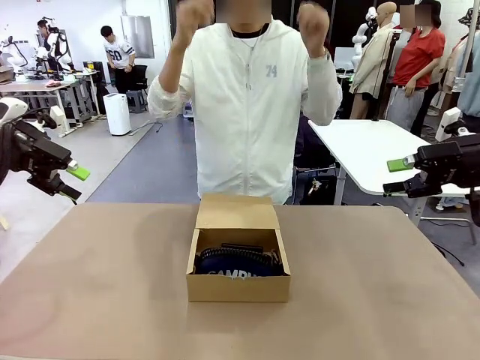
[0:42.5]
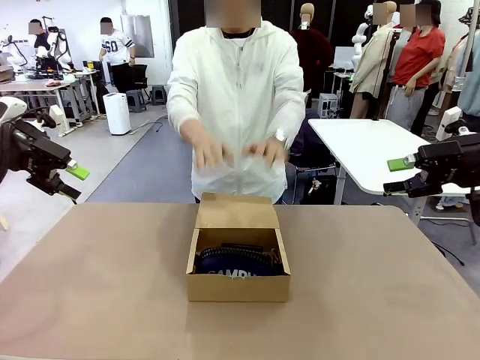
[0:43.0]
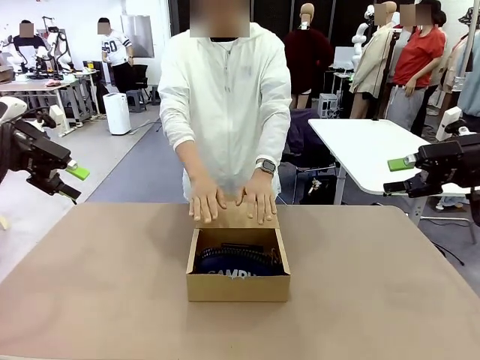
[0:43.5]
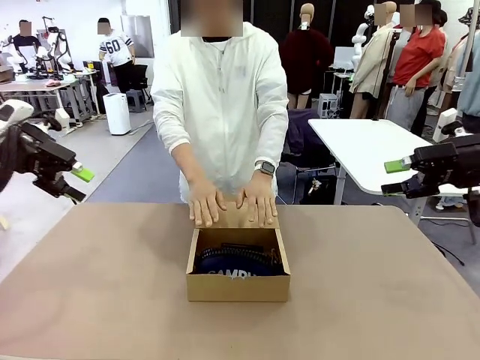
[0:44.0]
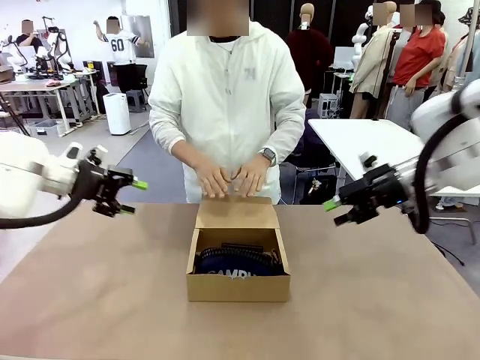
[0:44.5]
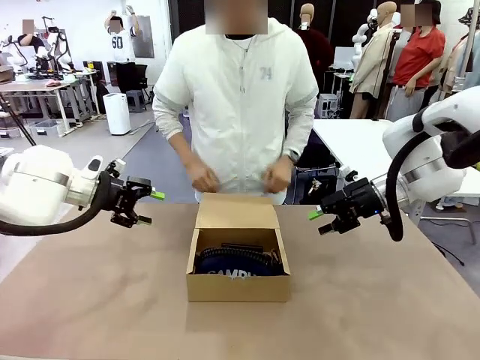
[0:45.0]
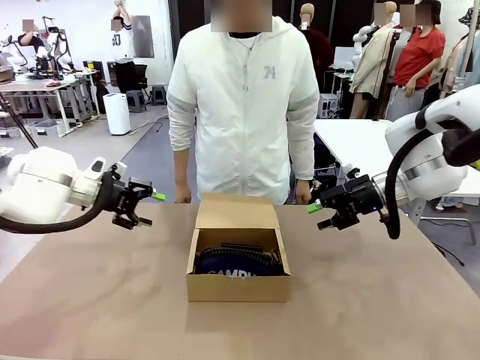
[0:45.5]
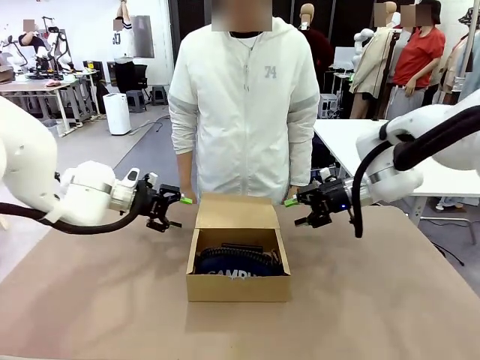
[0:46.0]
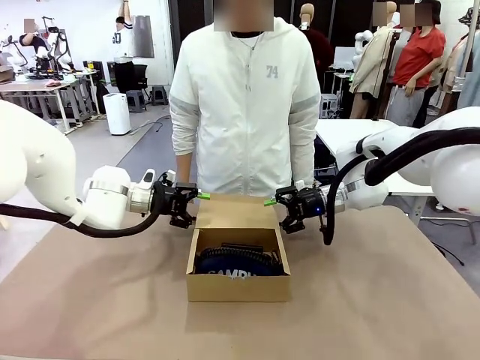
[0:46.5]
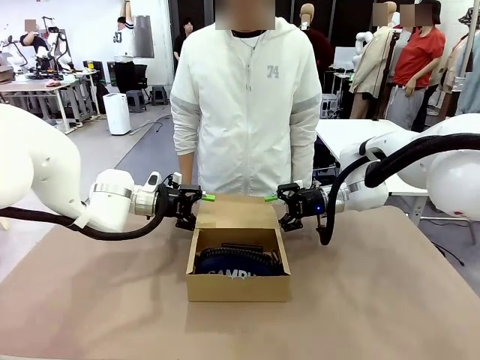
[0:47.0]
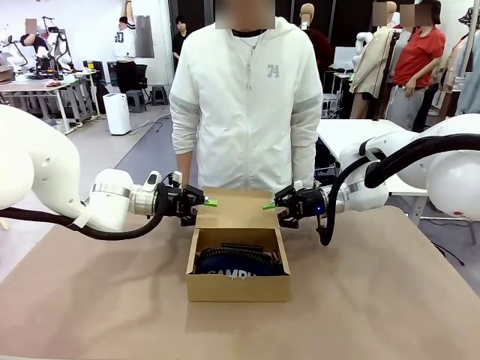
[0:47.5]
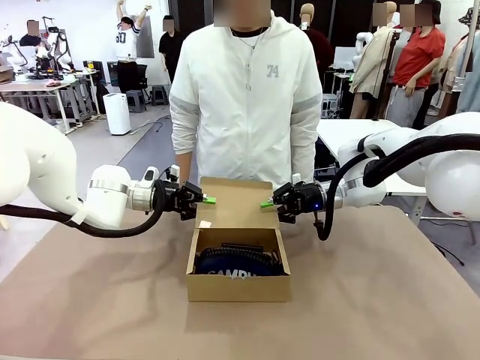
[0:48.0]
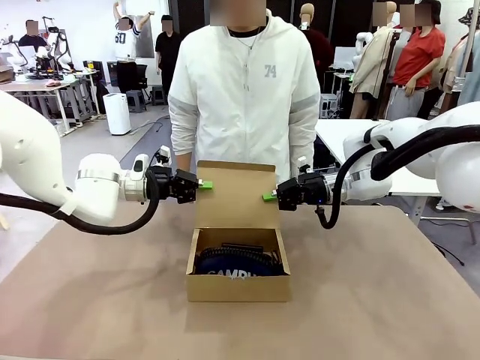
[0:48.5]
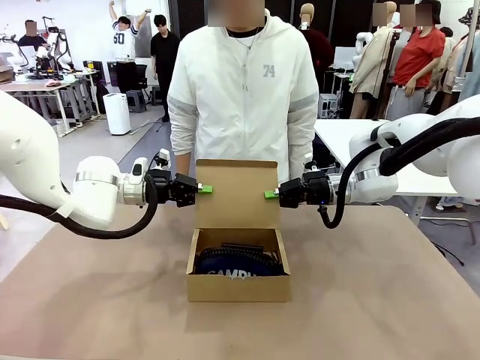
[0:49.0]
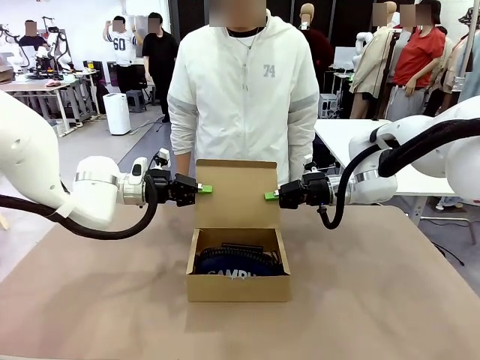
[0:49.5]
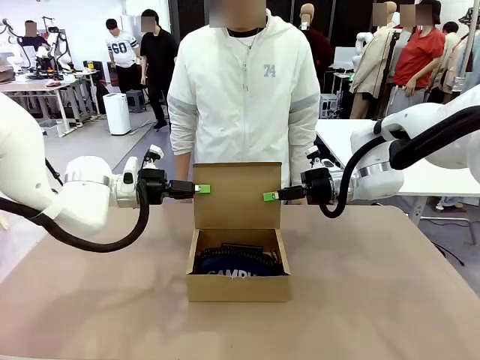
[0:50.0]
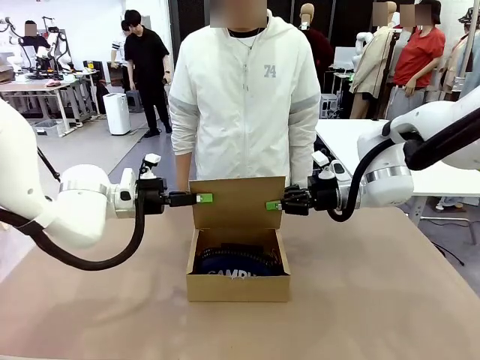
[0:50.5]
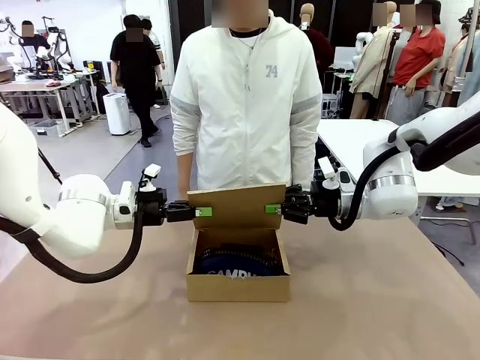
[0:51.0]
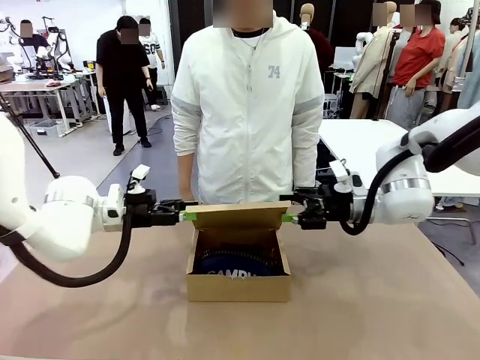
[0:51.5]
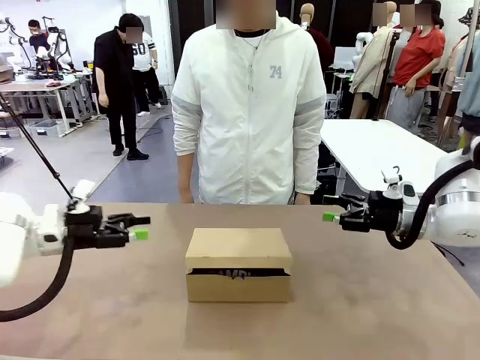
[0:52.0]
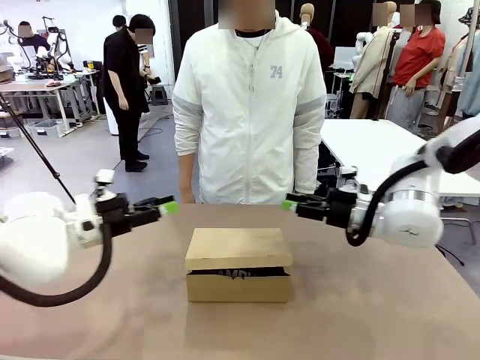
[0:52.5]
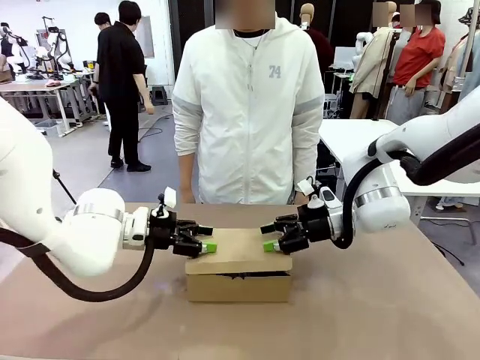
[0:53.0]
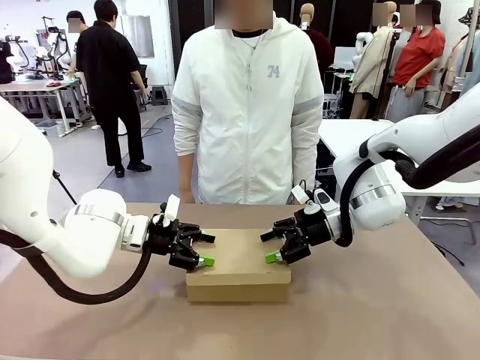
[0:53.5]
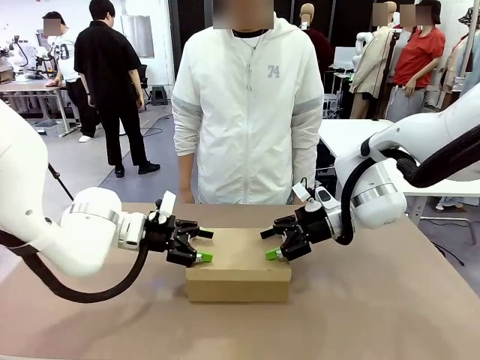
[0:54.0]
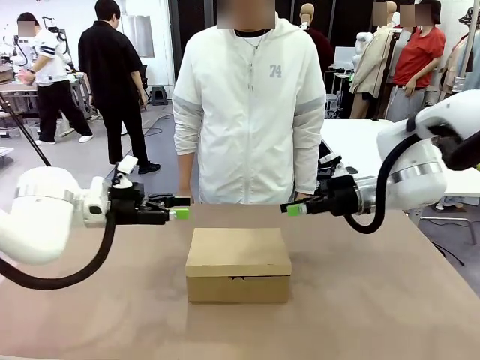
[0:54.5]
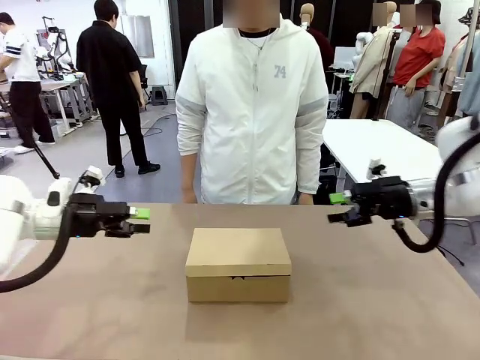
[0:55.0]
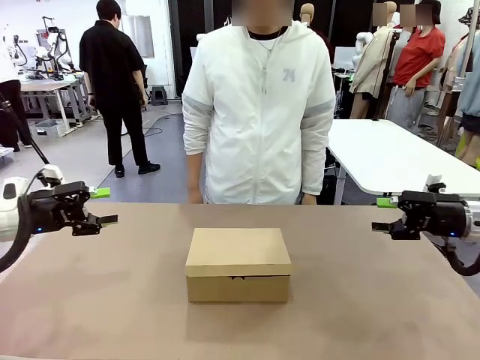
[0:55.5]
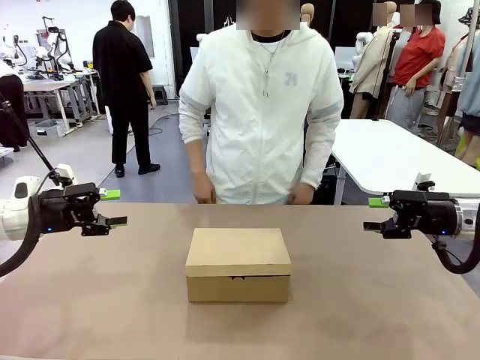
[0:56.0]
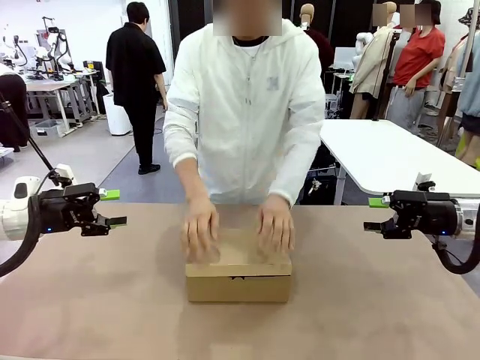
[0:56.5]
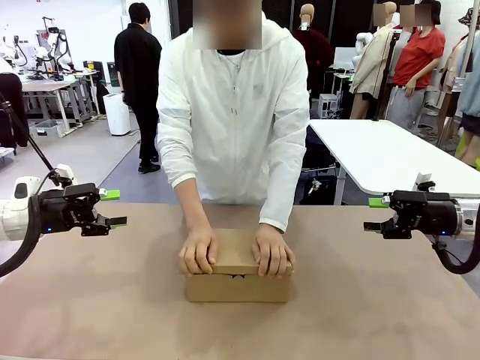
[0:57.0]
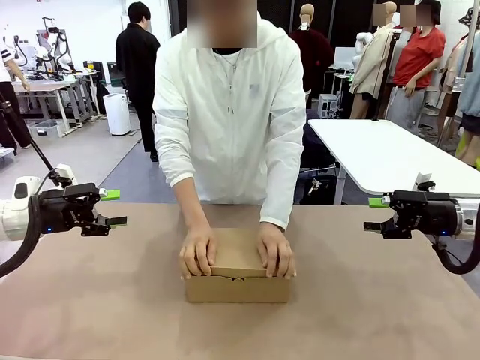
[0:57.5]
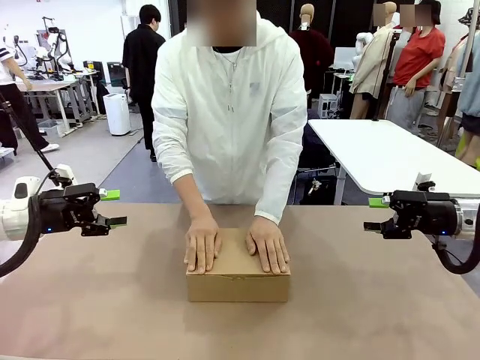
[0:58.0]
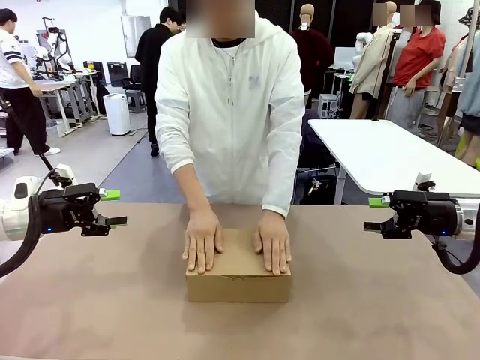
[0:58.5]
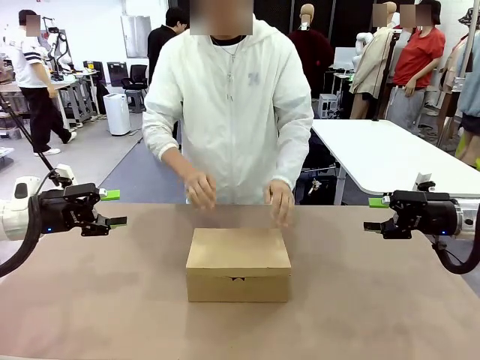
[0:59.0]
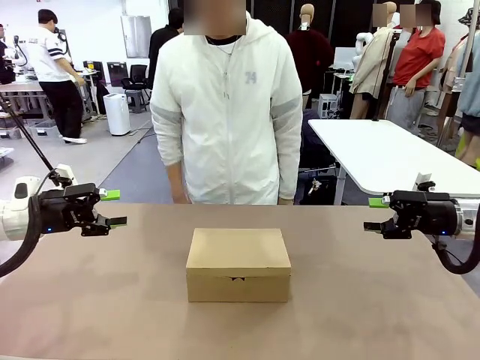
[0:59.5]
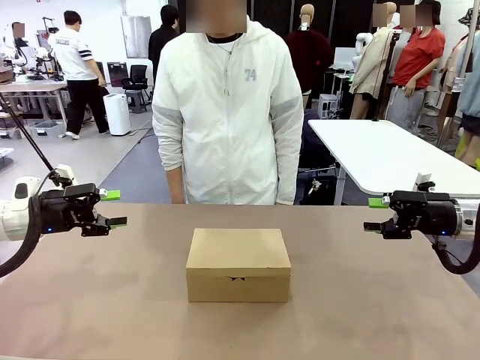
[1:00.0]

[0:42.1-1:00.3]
Task: Pack the items into the box.
Robot: Close the Mailer Box.
Person: Turn the box and lock it.

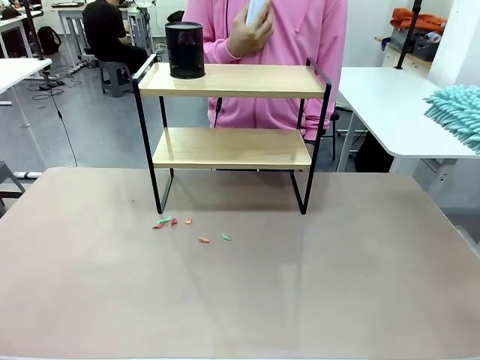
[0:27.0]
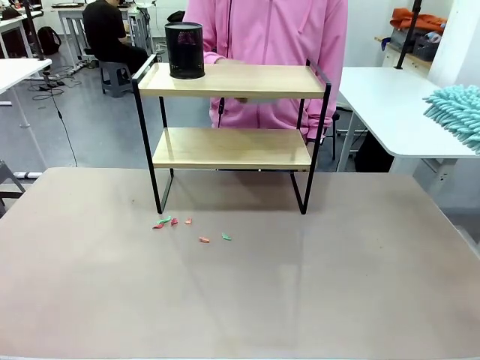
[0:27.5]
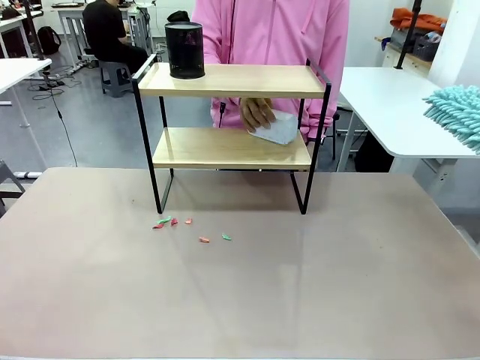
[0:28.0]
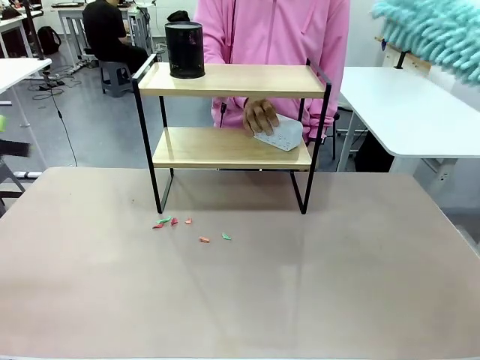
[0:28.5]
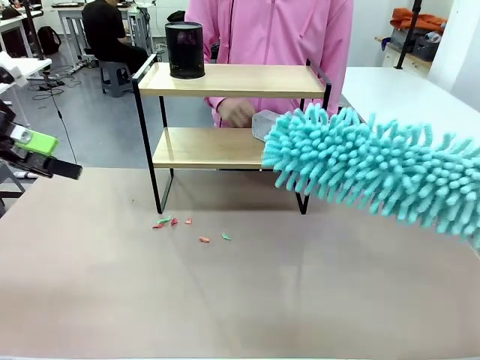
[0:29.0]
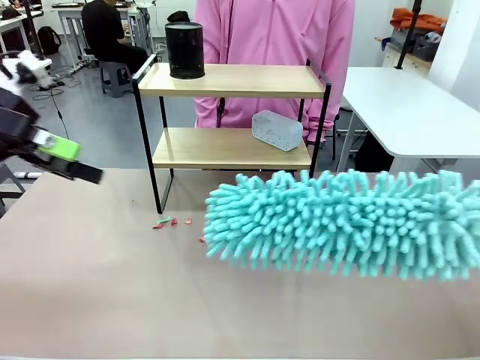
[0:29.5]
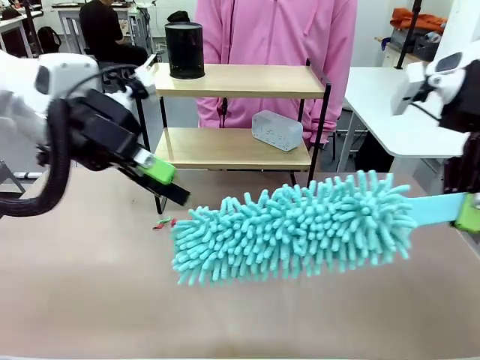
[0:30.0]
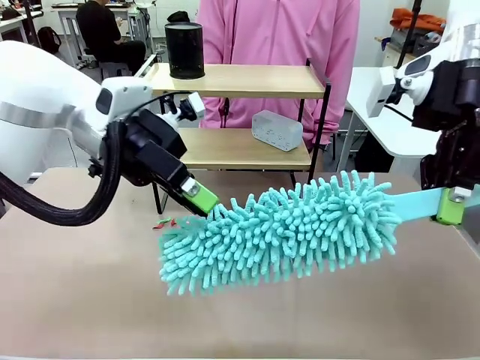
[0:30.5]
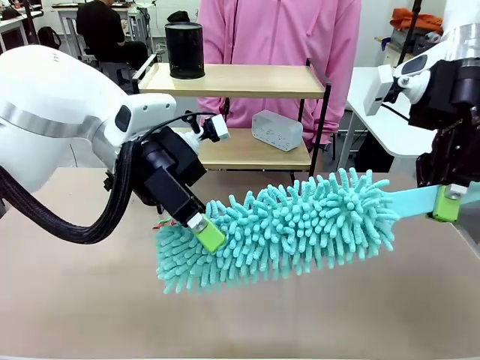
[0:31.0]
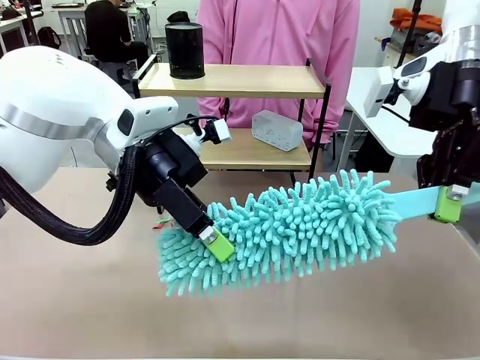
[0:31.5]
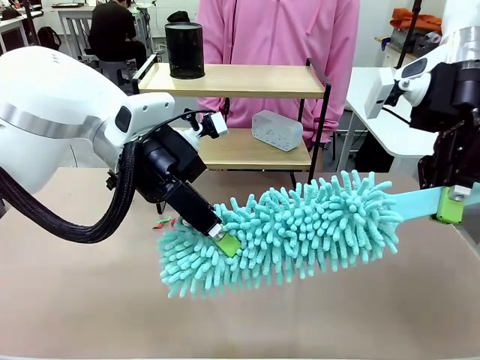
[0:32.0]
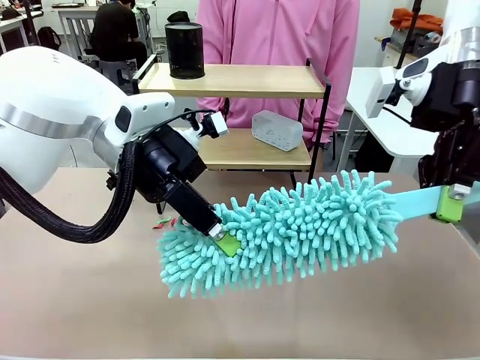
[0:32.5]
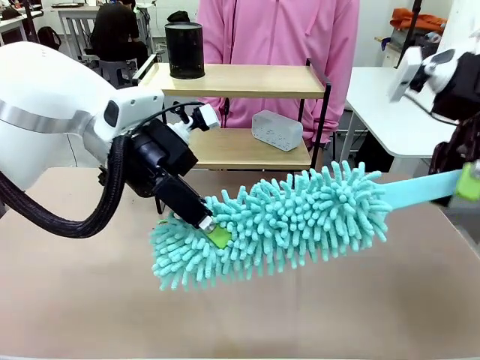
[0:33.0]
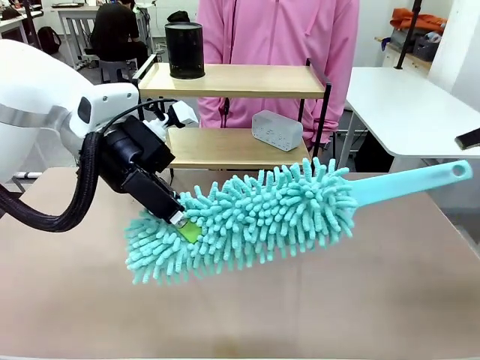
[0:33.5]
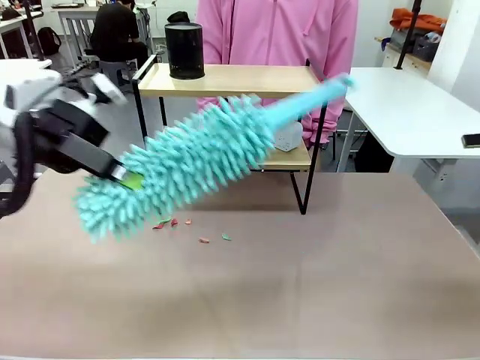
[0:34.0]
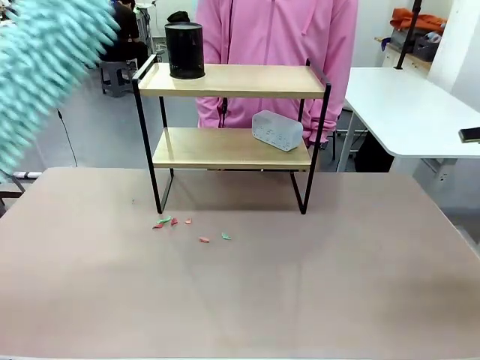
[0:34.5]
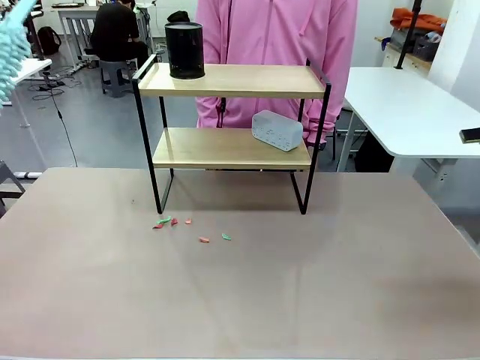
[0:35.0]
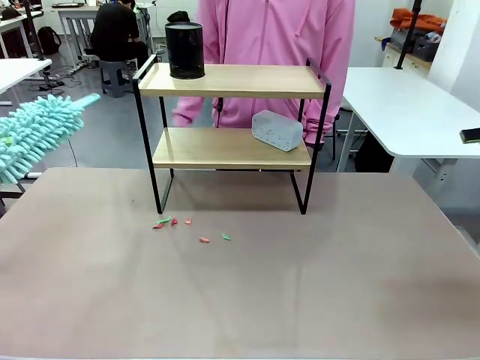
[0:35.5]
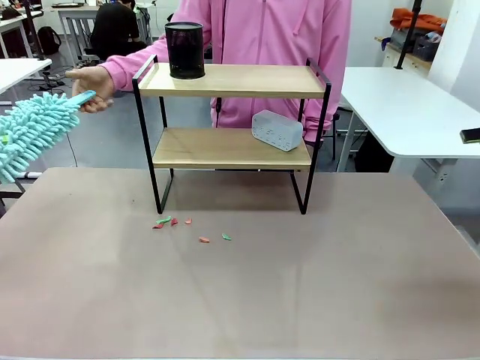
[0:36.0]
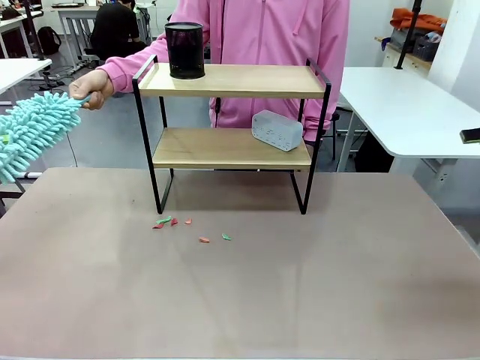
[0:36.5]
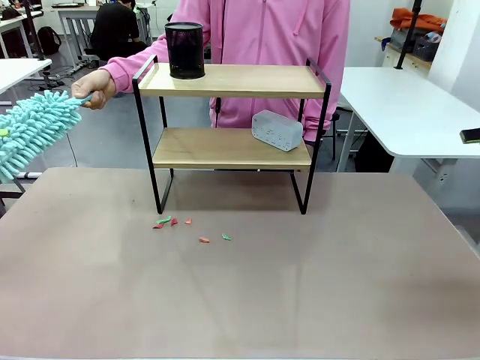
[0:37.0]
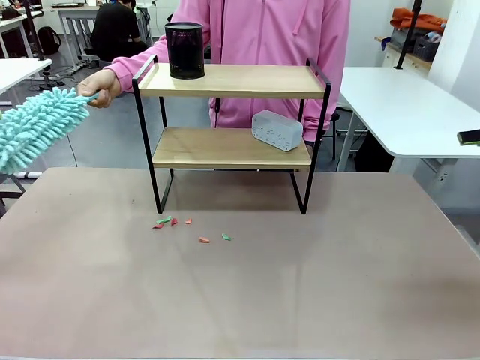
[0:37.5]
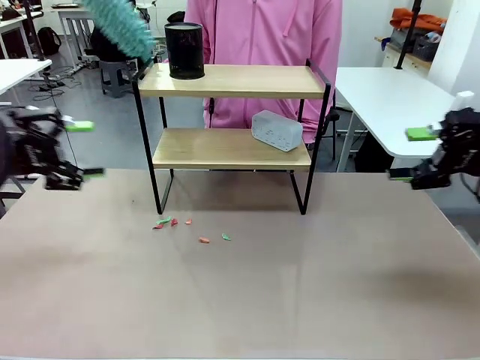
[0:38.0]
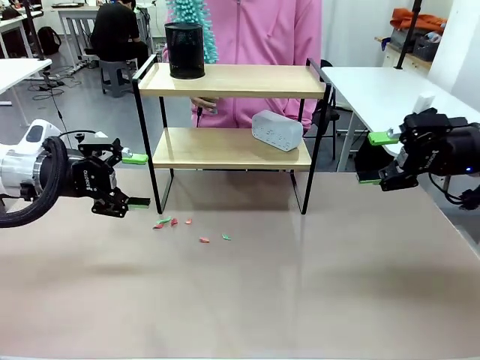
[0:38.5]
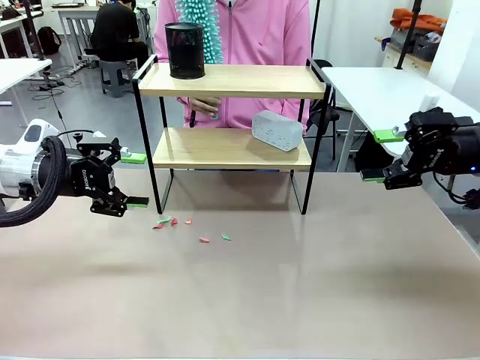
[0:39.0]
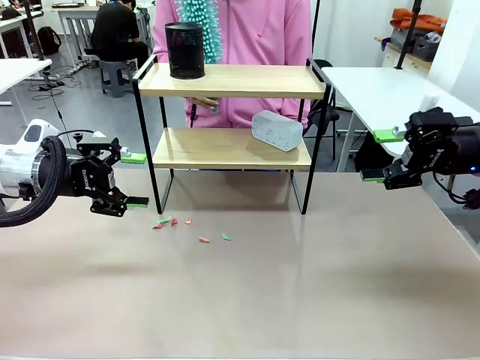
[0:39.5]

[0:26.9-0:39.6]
Task: Clean the shelf.
Robot: Hand the Duster back to the human.
Person: Receive the Duster from the robot.
